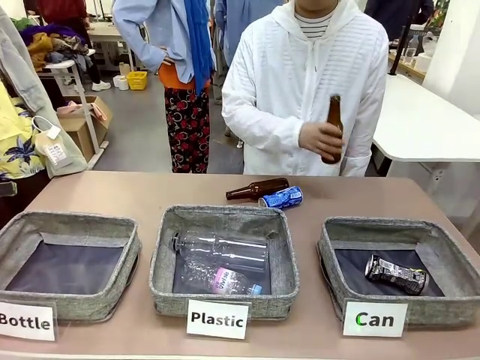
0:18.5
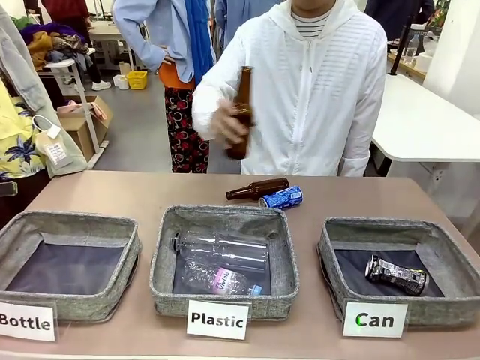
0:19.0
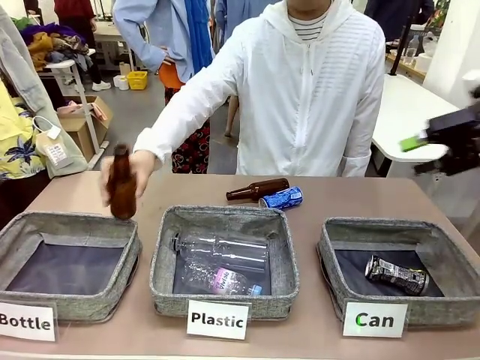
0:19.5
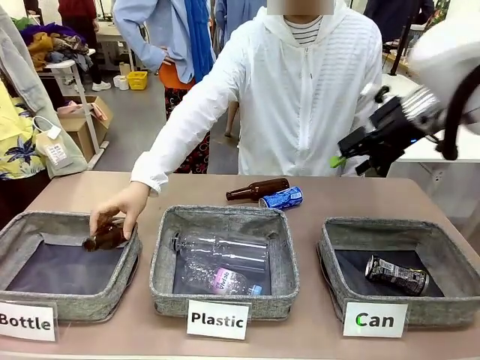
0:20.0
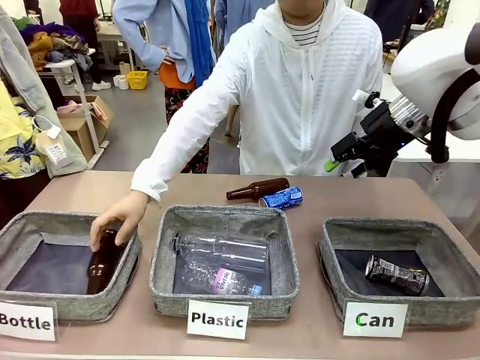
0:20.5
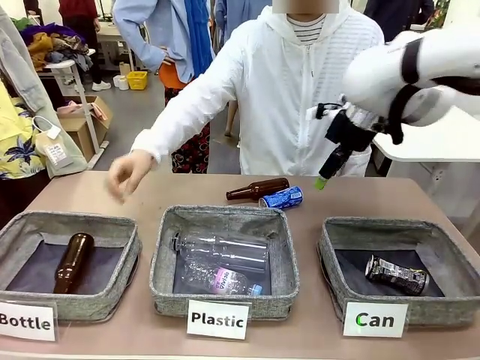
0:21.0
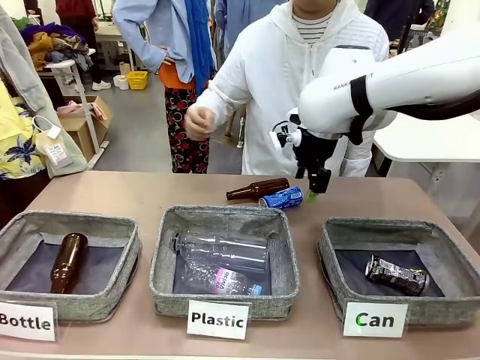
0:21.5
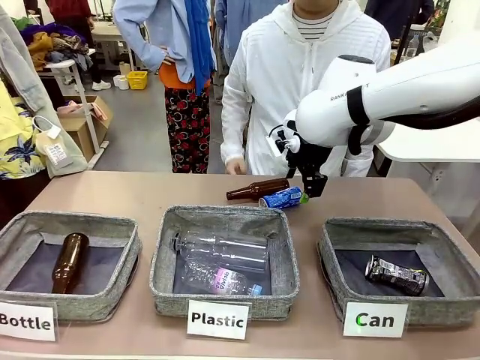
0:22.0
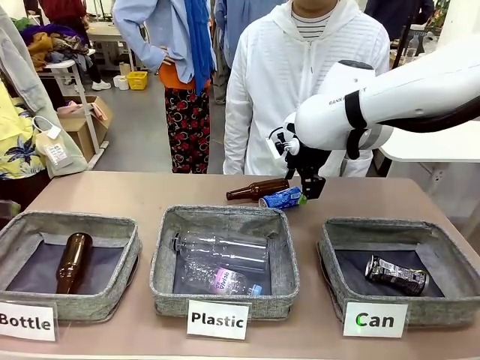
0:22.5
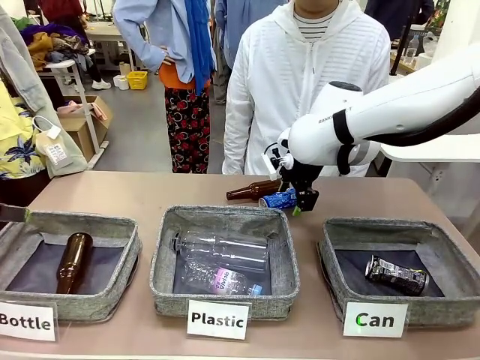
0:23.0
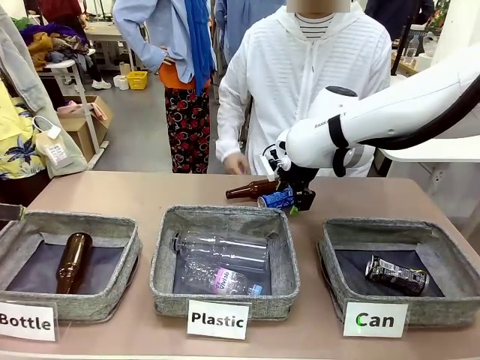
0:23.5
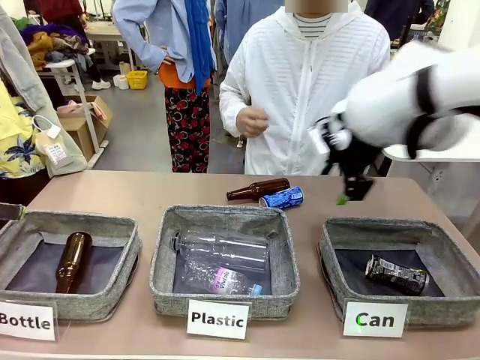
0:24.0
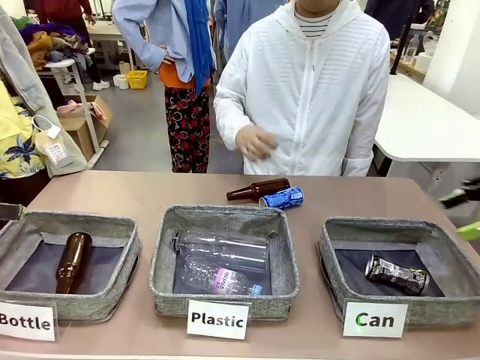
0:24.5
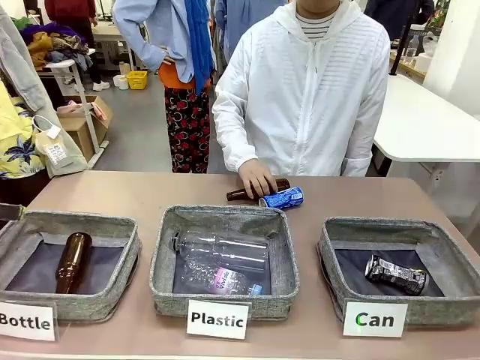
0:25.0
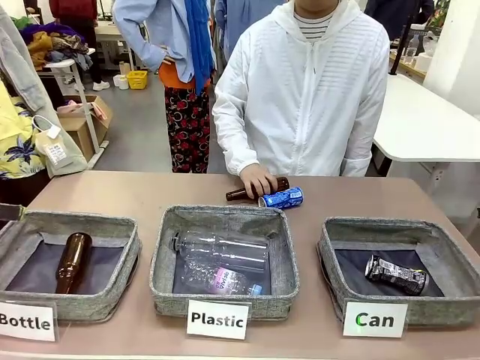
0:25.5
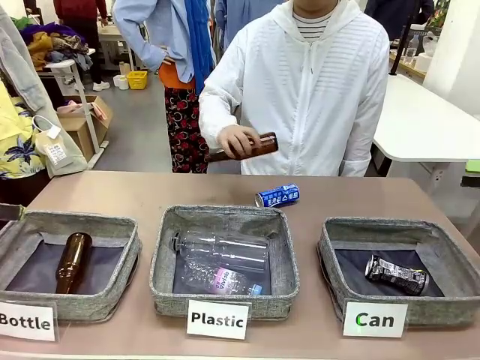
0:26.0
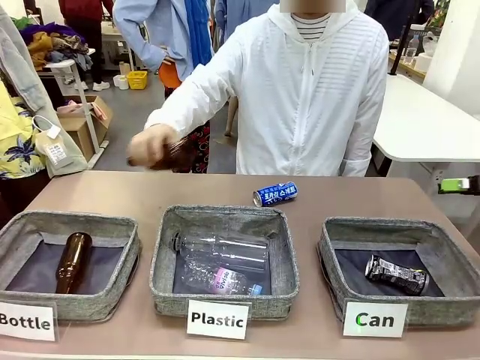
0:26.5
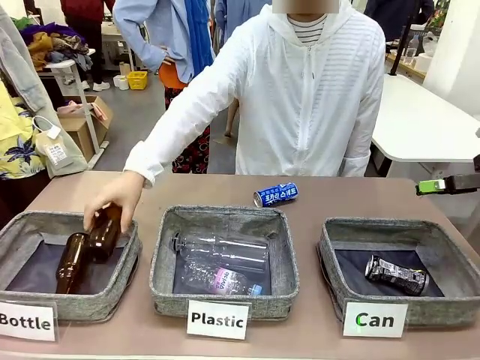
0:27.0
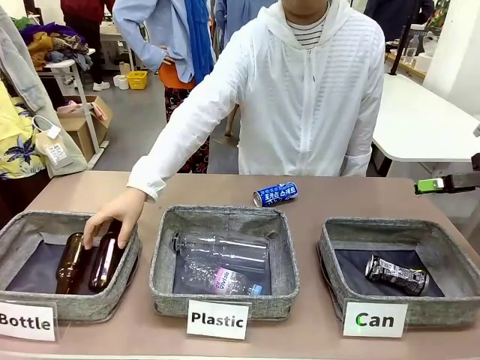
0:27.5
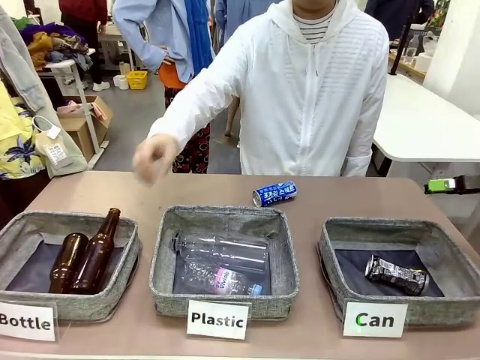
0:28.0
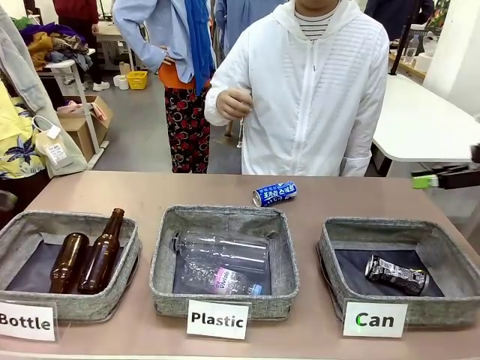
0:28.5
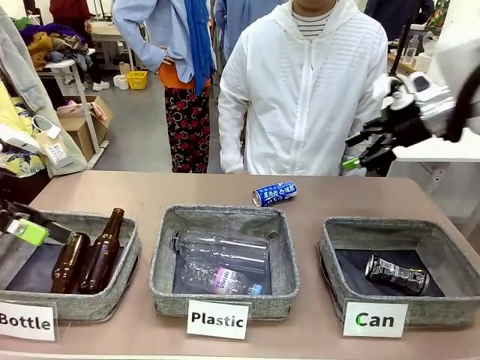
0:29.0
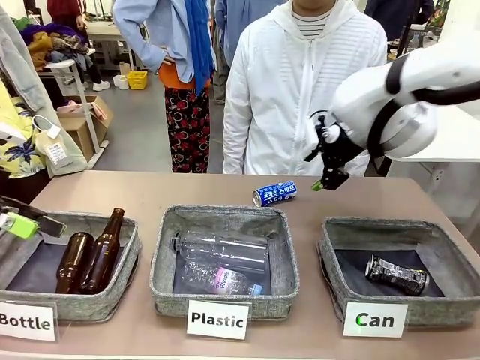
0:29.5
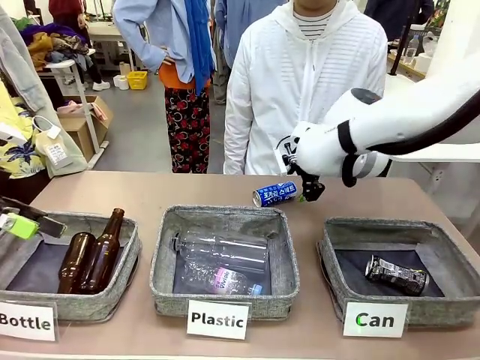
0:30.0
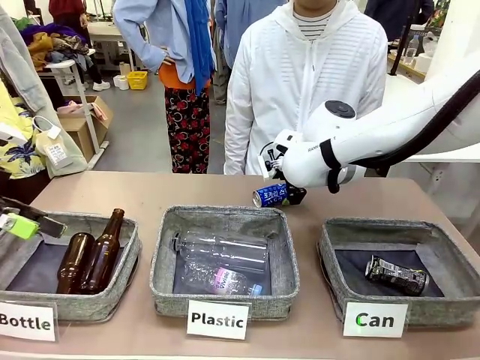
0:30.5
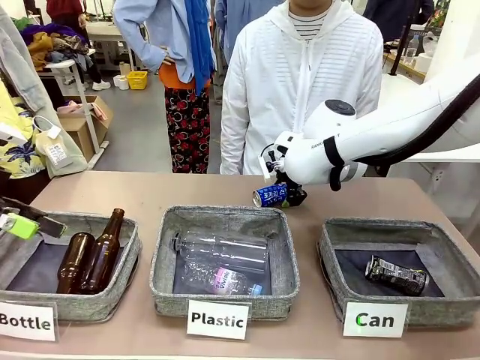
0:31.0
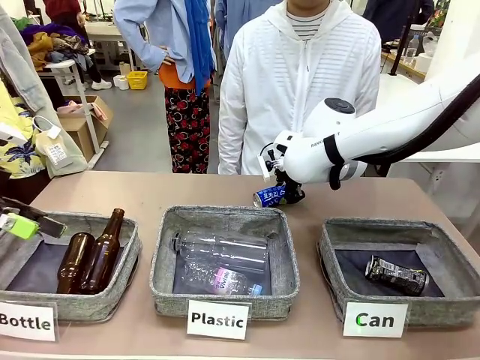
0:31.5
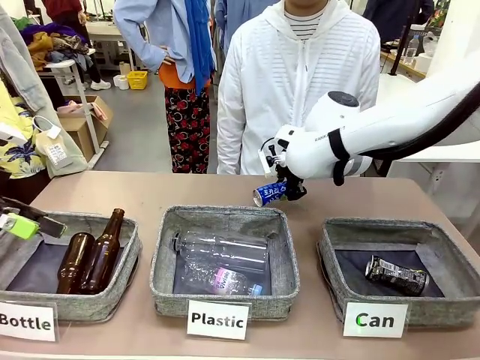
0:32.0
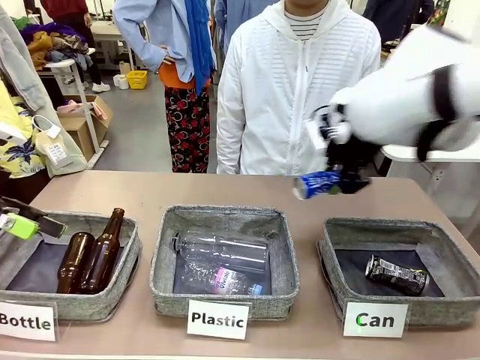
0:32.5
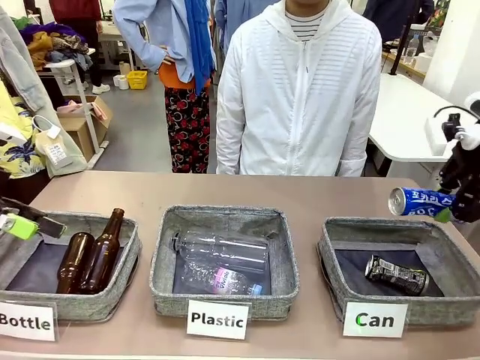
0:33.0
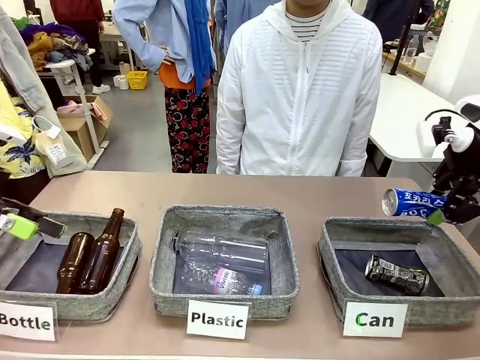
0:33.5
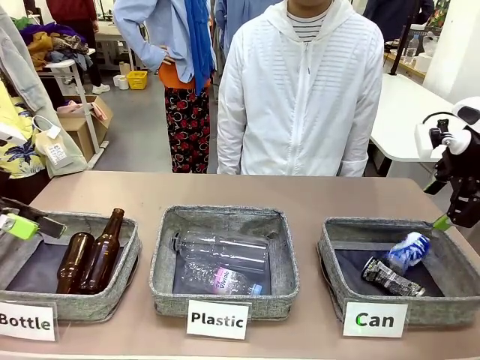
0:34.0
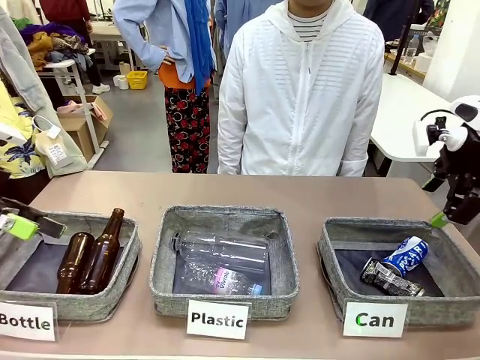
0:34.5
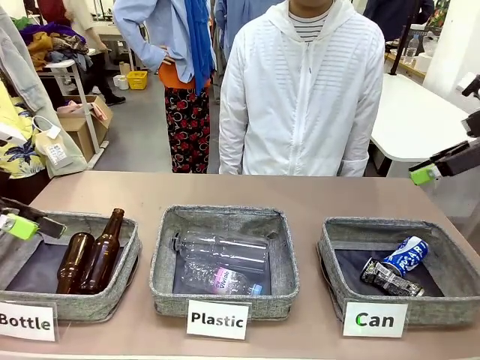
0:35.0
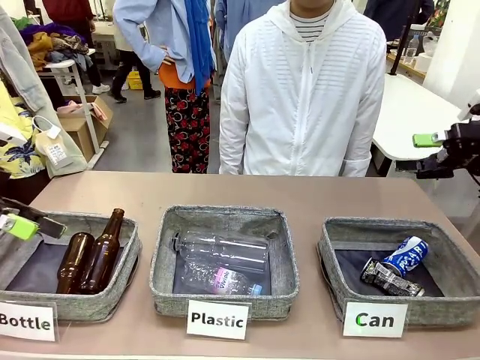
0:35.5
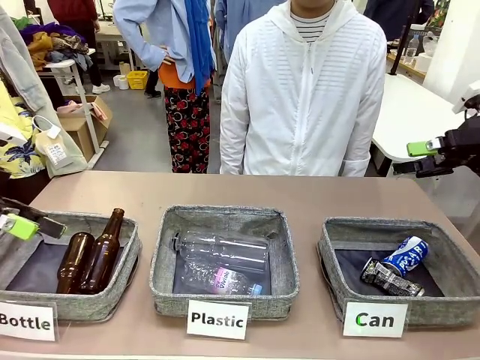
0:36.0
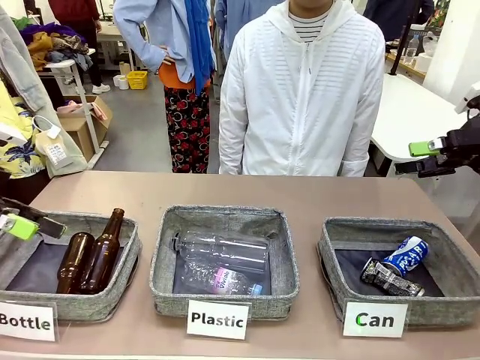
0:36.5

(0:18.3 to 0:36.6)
Task: Sort the can waste into the basket.
Robot: Pick up the can waste from the table and place it in the right Fabric basket.

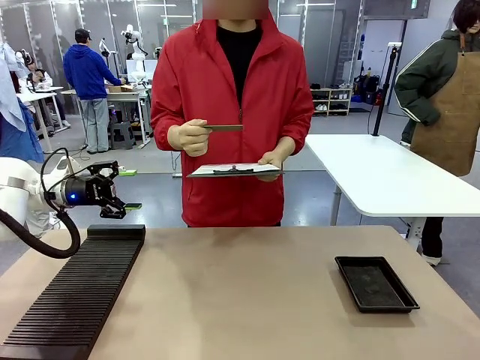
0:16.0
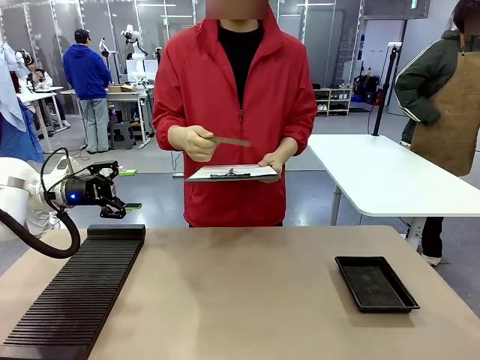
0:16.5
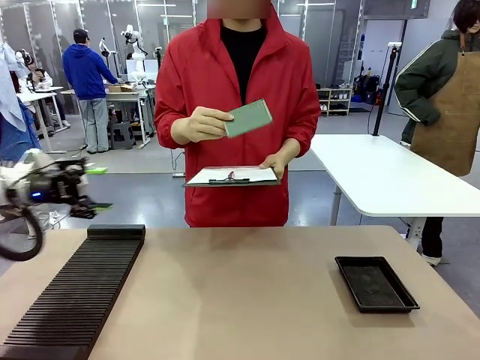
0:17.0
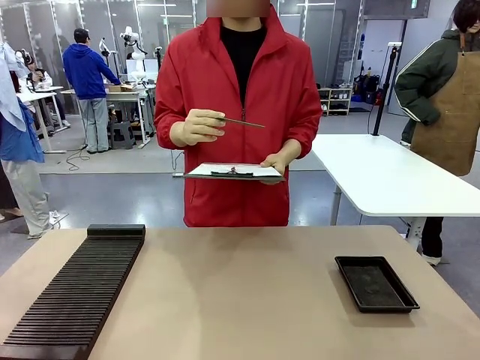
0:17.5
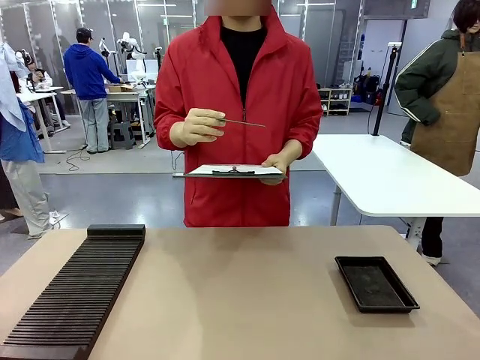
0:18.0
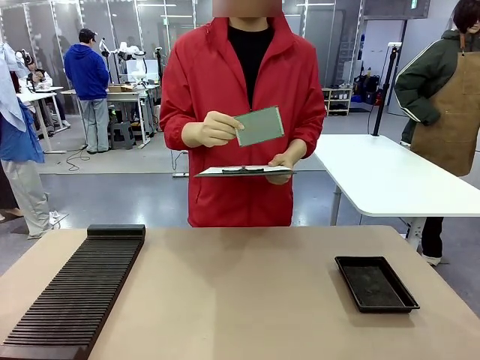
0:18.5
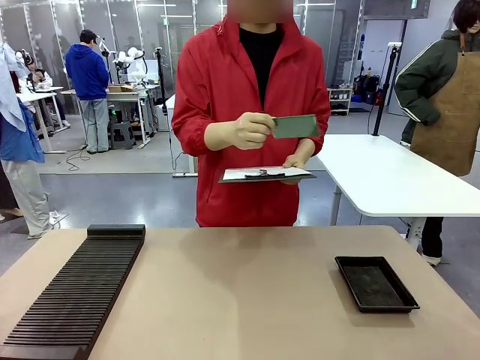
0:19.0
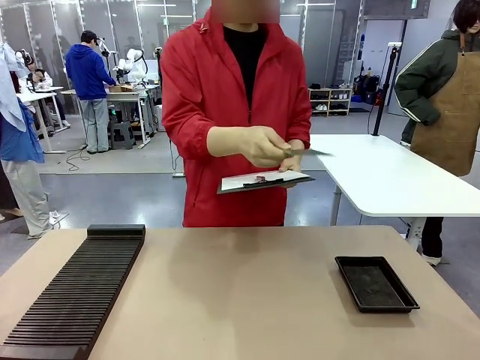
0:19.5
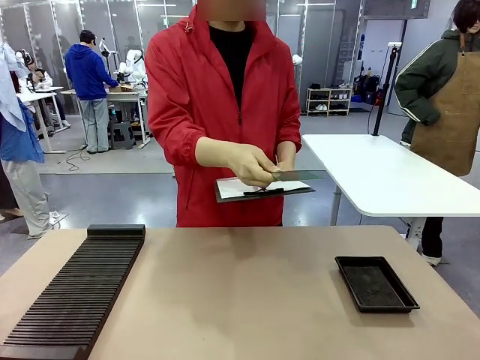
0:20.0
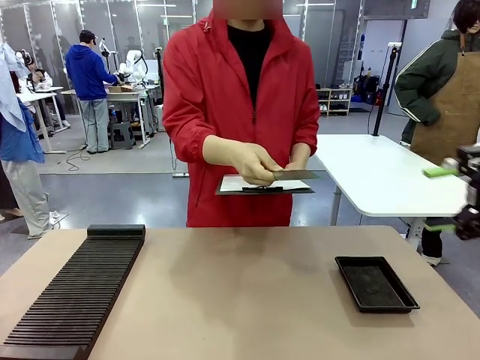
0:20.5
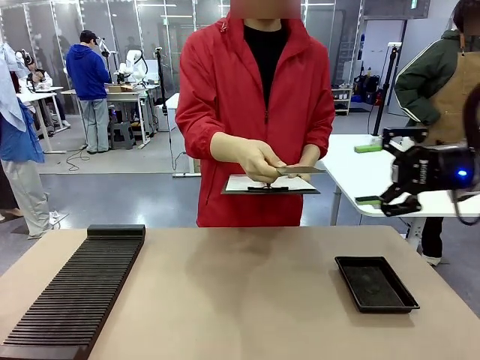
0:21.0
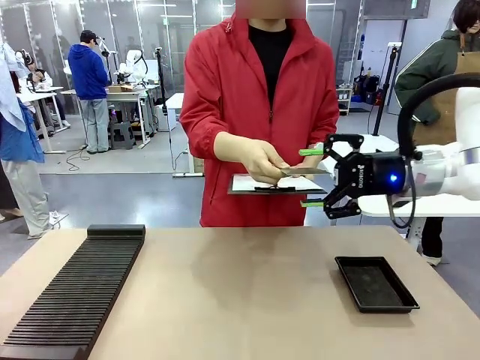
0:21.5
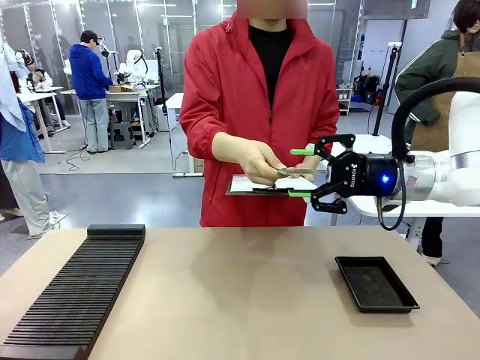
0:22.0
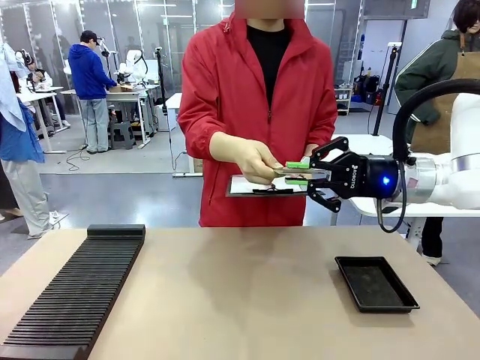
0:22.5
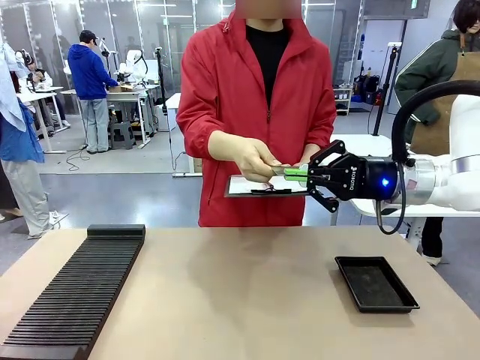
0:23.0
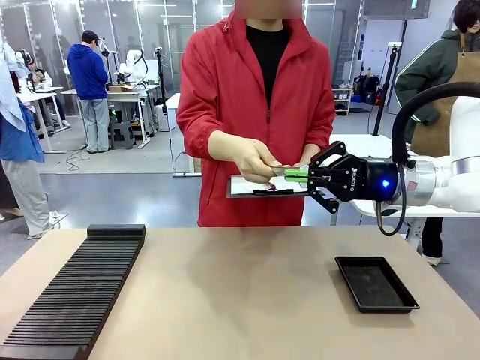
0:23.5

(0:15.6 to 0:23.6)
Task: Inspect the PCB.
Robot: Pick up the Blank PCB that the human is holding.
Person: Inspect the PCB placed by the robot, then hold it out in front of the robot. Release the PCB you were holding.
